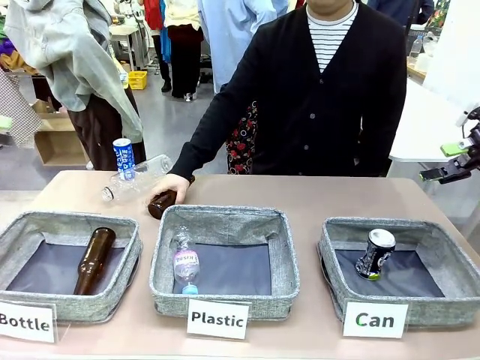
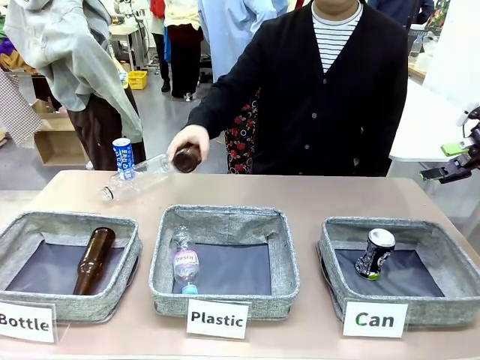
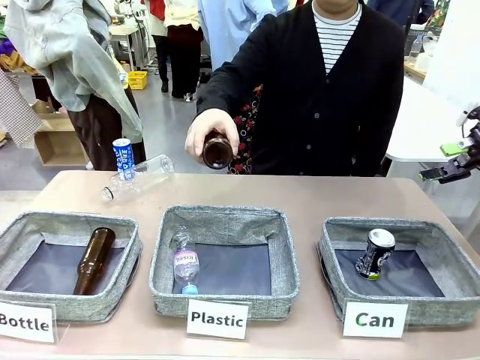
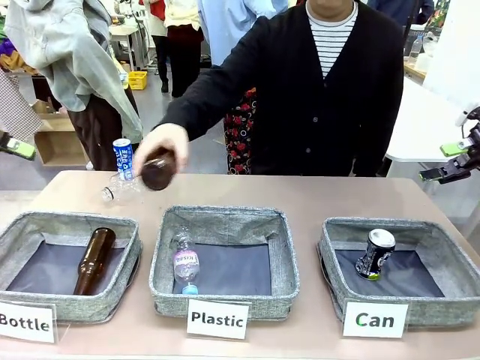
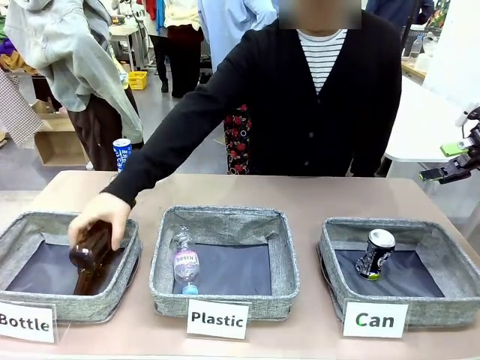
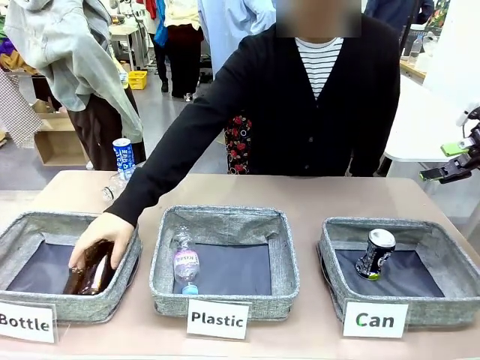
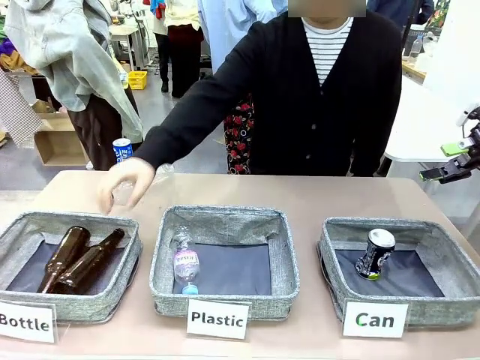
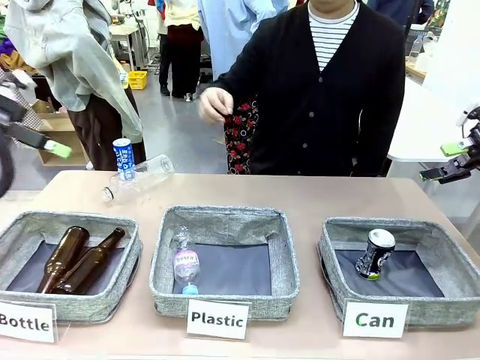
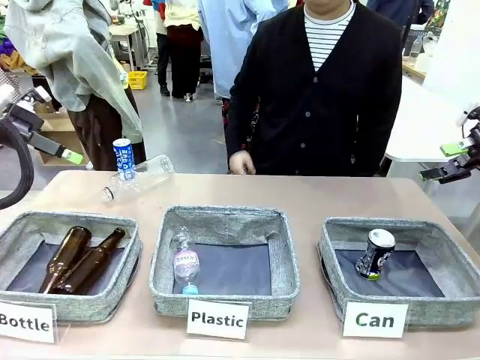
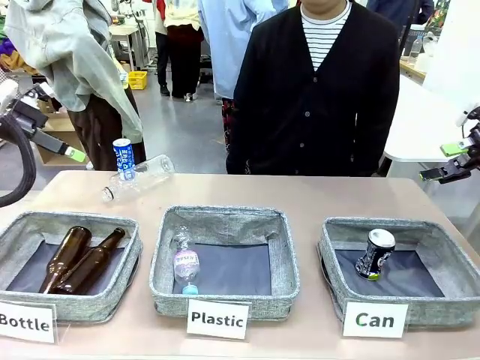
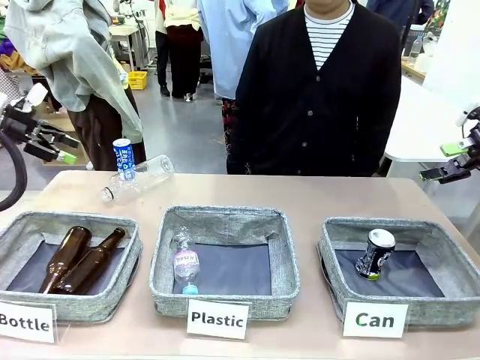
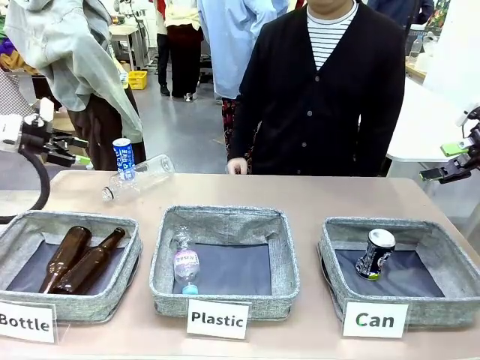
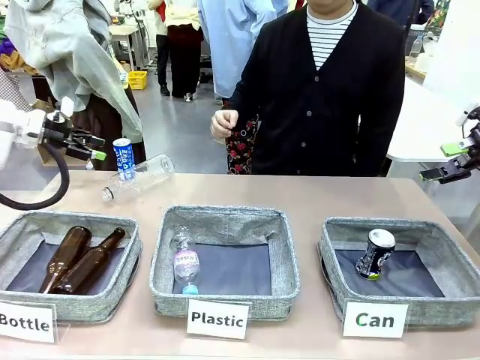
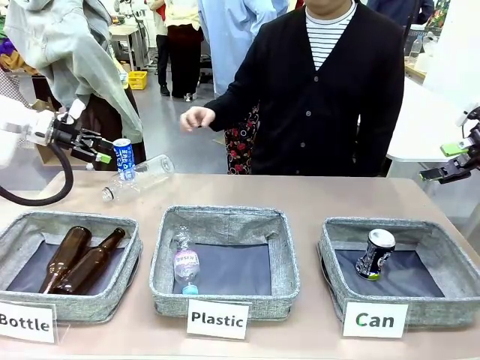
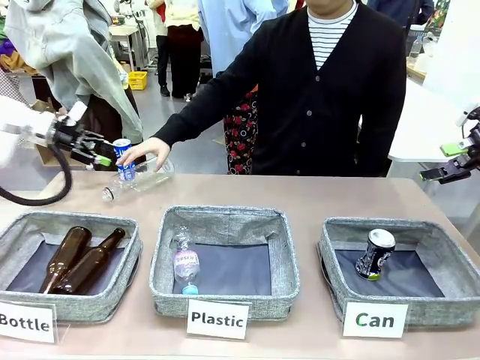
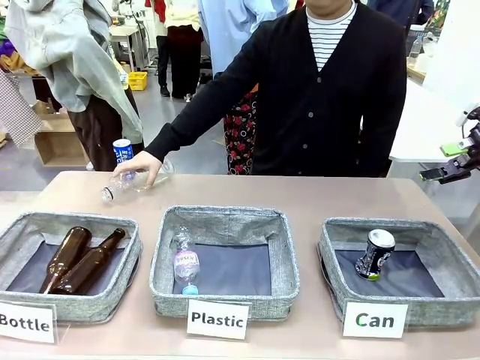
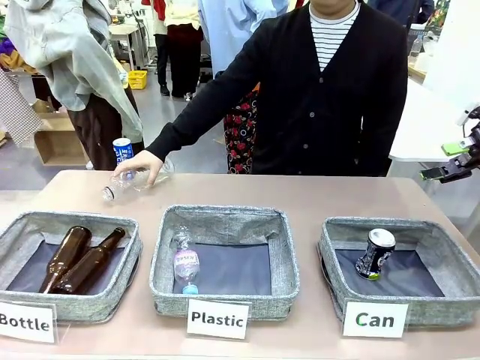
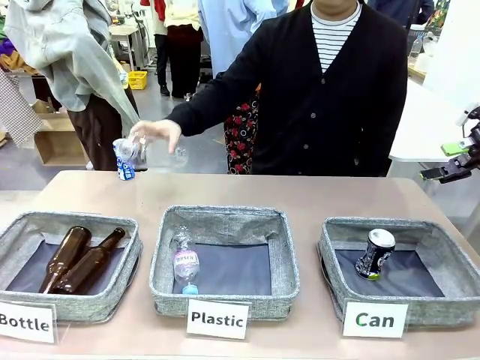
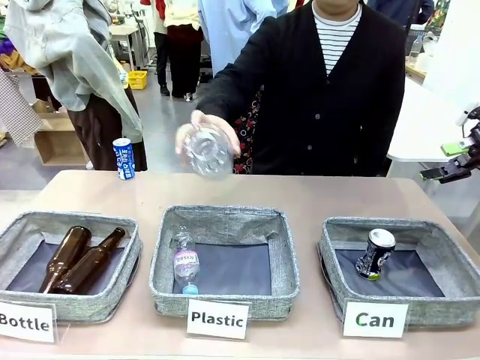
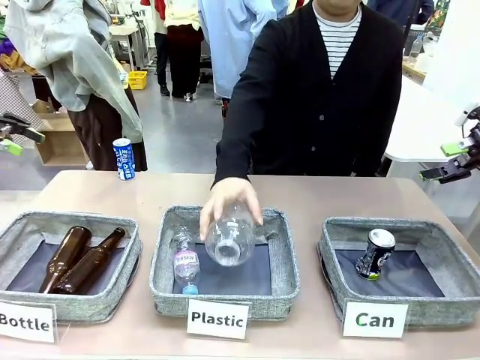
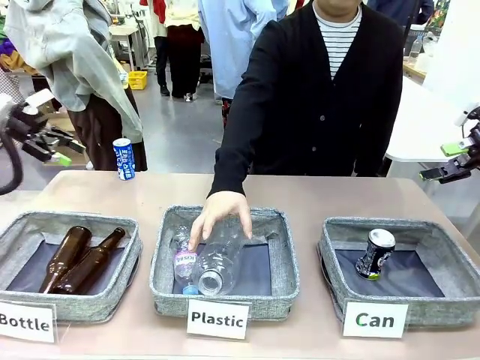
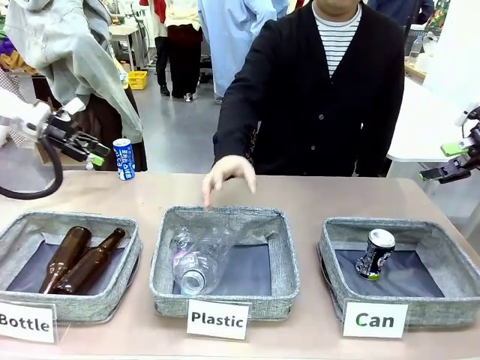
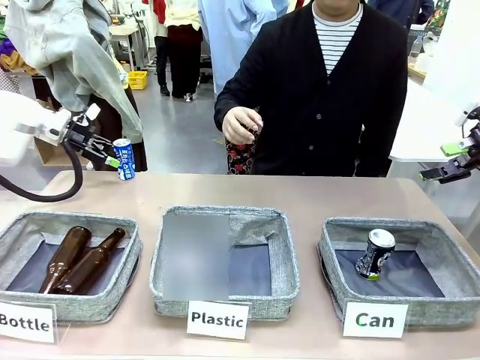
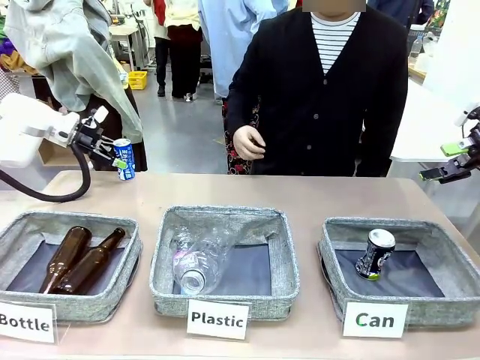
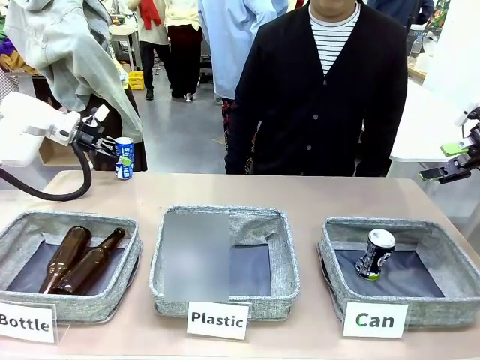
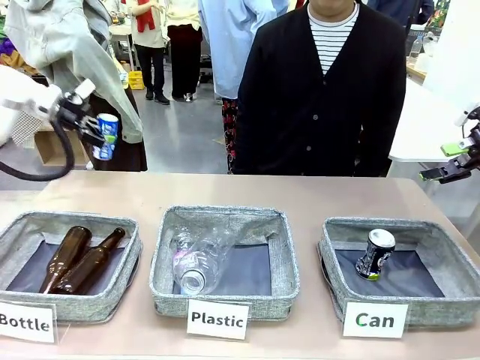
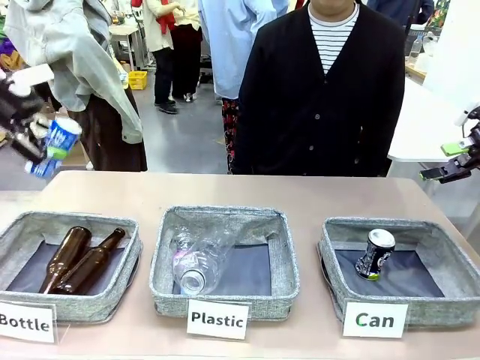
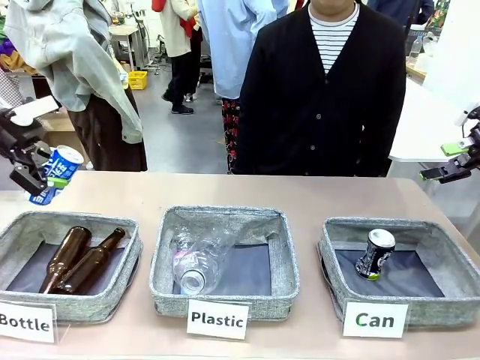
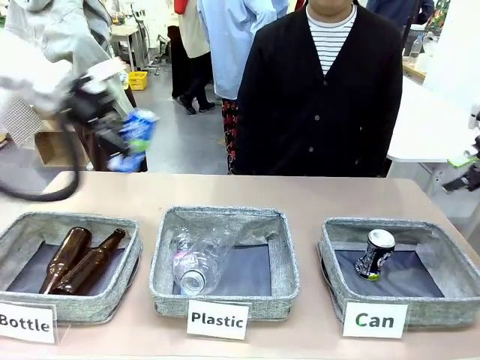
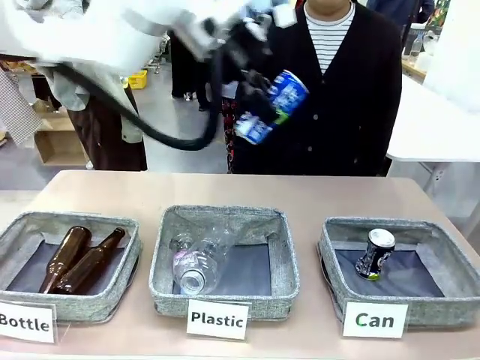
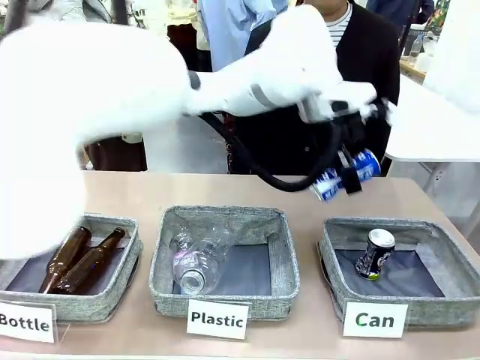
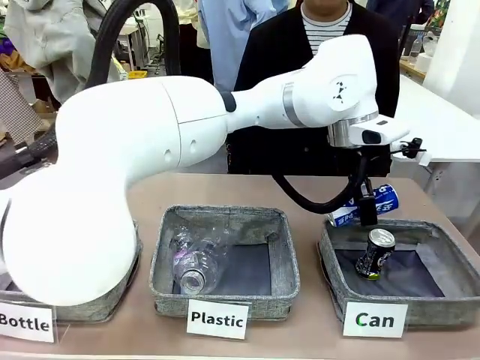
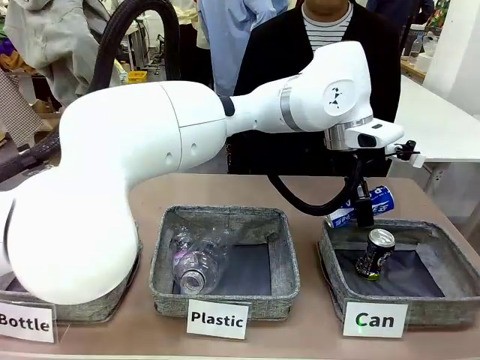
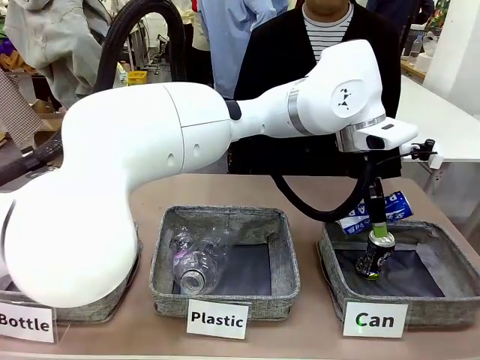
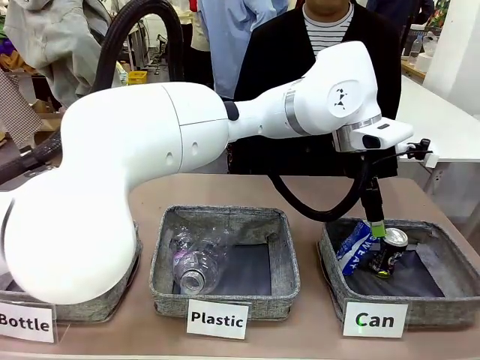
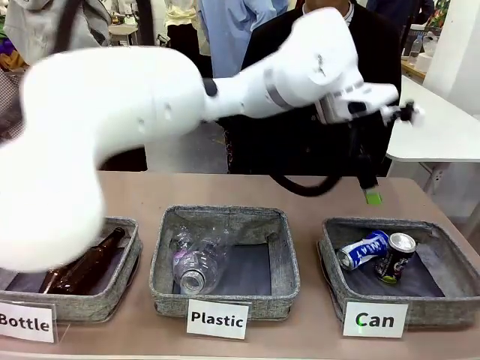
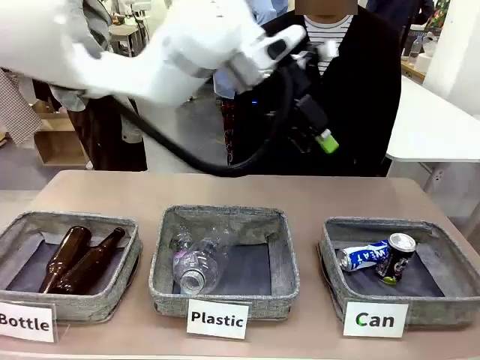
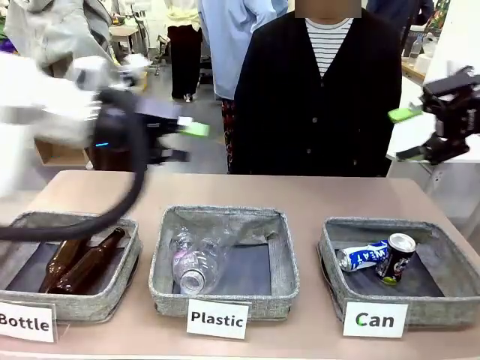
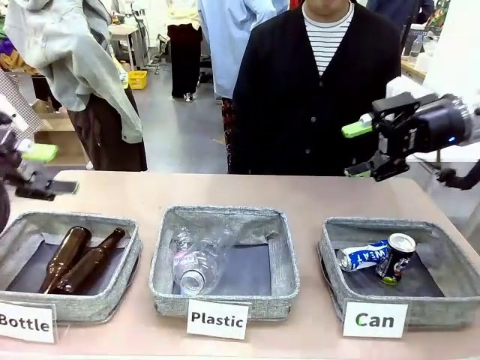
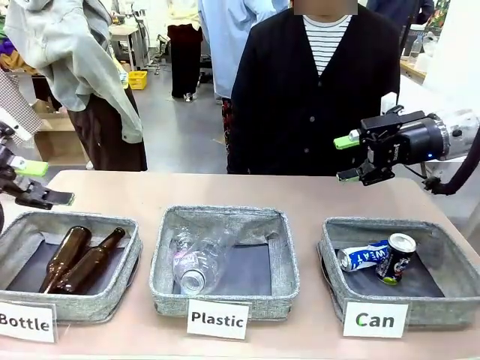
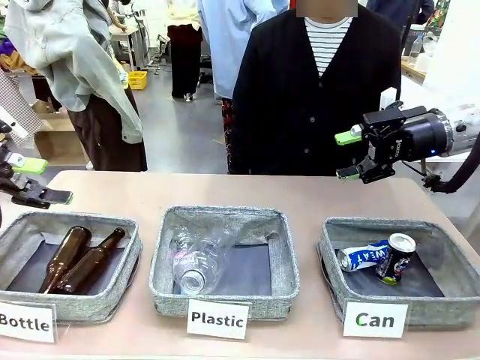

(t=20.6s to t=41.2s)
Task: Sort the can waste into the basket.
Robot: Pick up the can waste from the table and place it in the right Fabric basket.

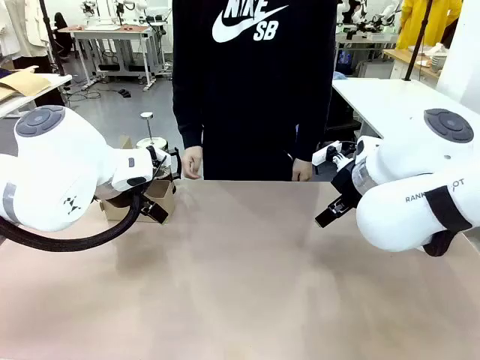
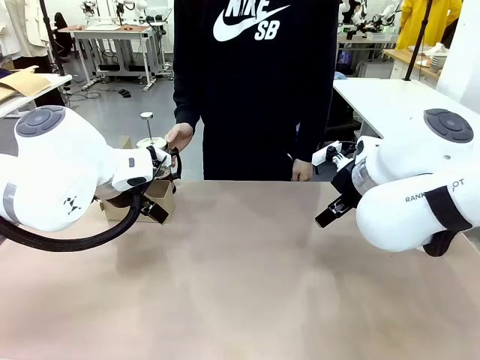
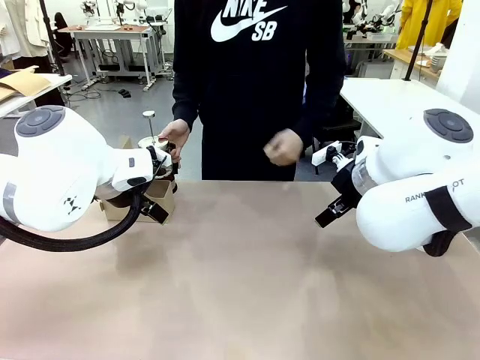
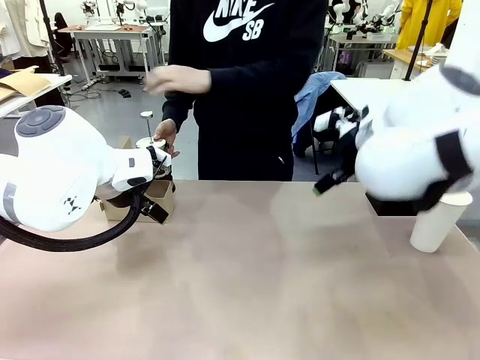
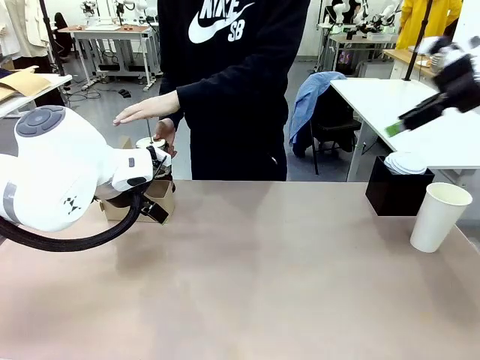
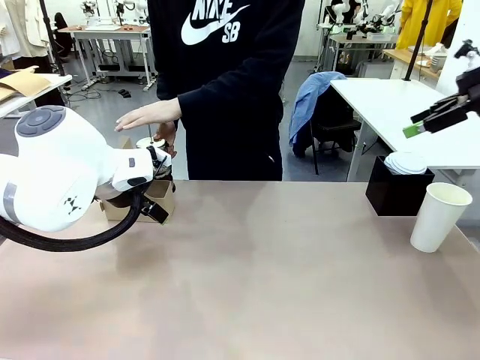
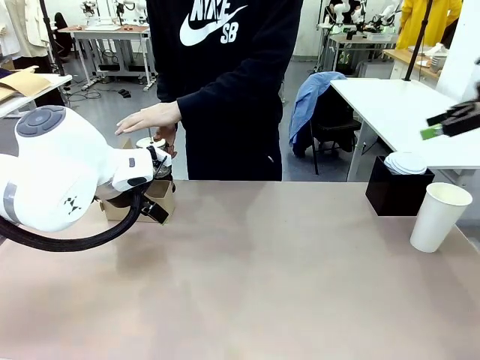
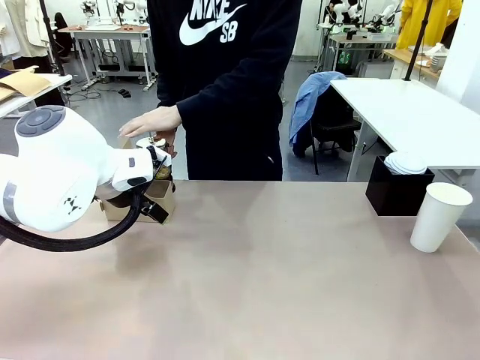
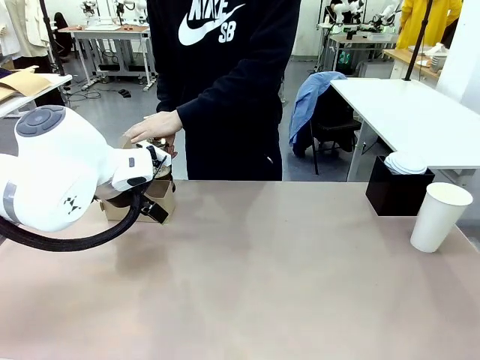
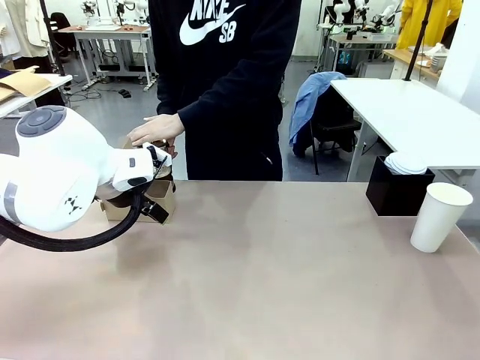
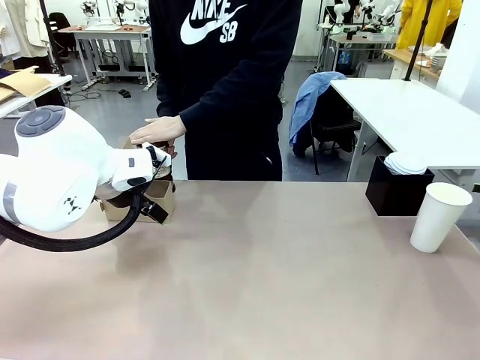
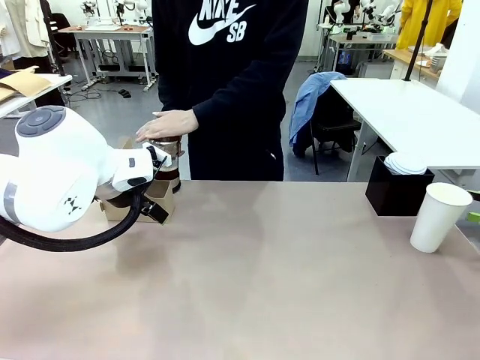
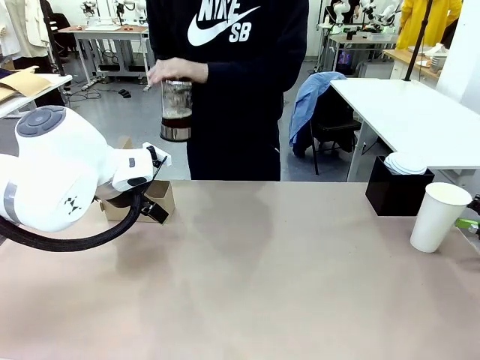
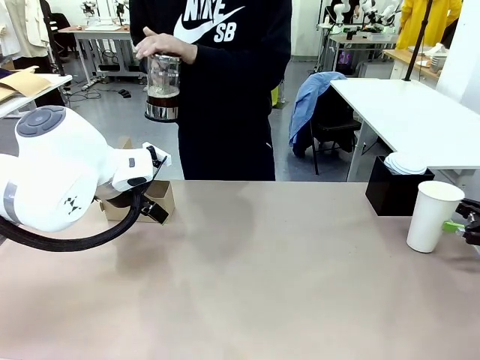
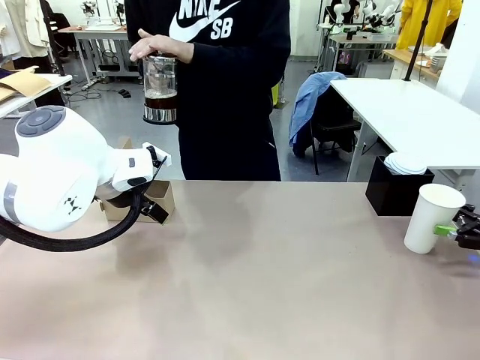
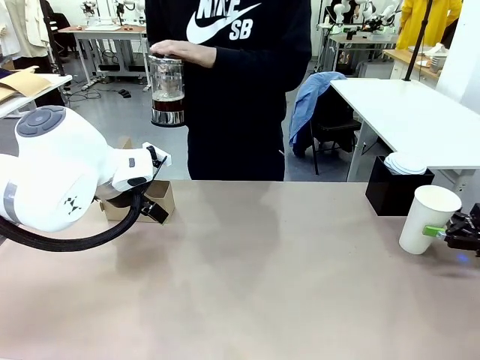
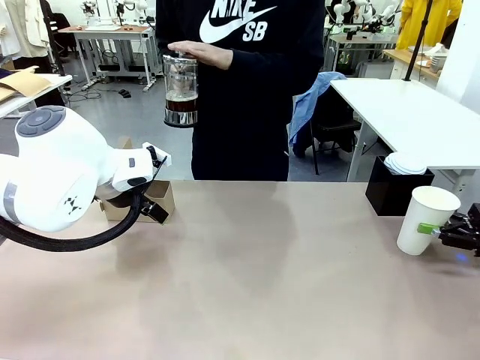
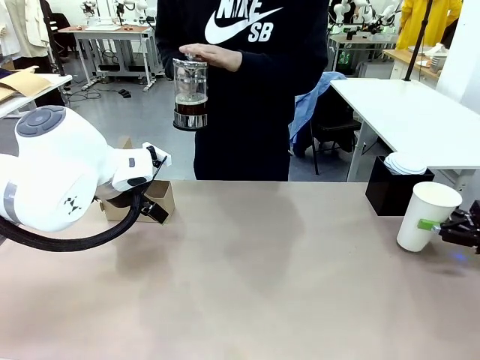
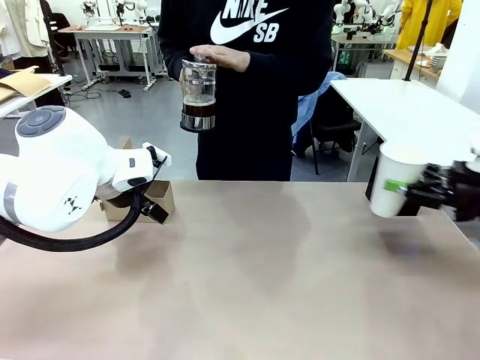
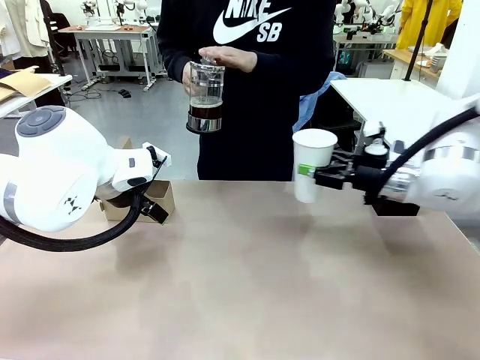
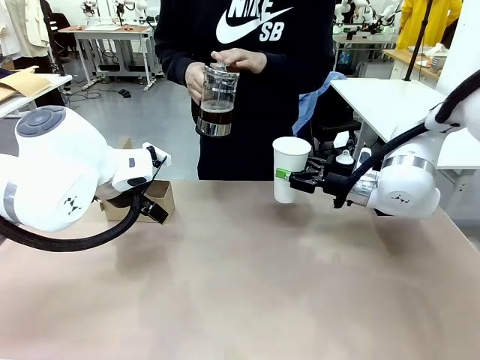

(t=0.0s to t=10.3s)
Task: Pour a drink into a cup and package it in a carrier.
Robot: Pick up the 600 ml Paper Cup and place it in the middle top area of the table.
Person: Press and pick up the Filter Brewing.
